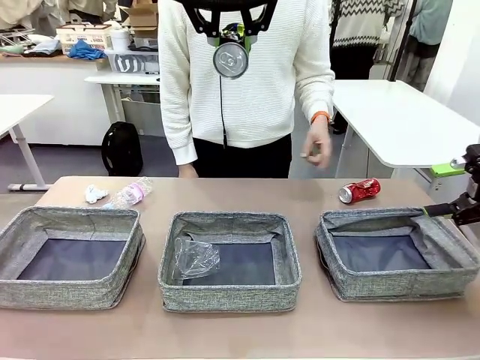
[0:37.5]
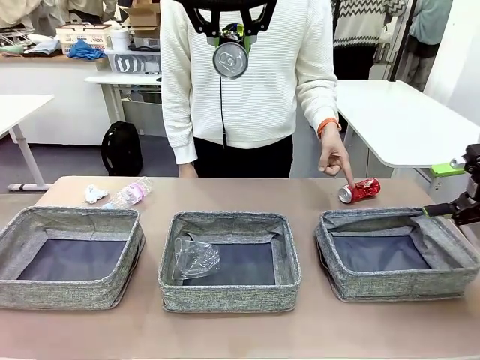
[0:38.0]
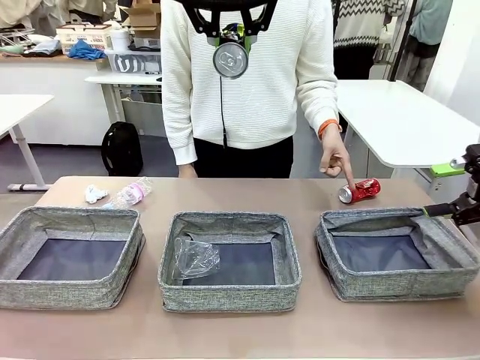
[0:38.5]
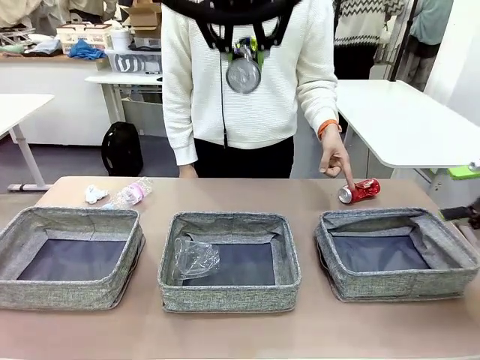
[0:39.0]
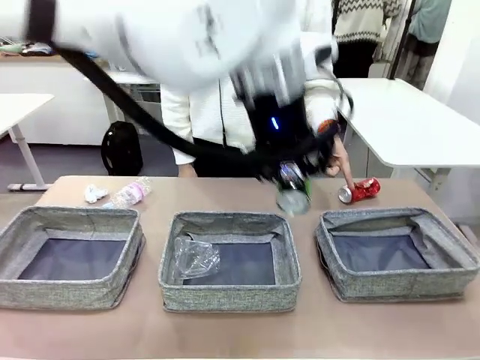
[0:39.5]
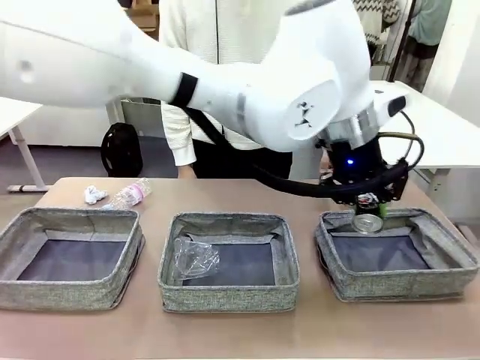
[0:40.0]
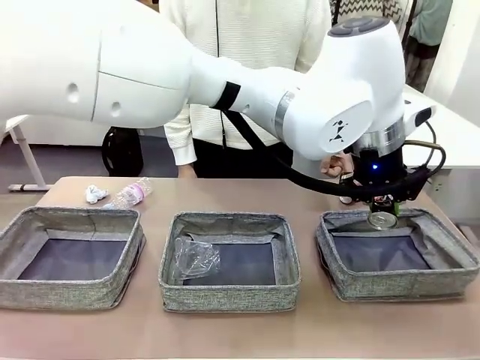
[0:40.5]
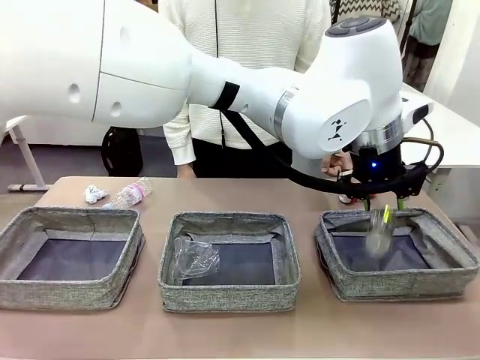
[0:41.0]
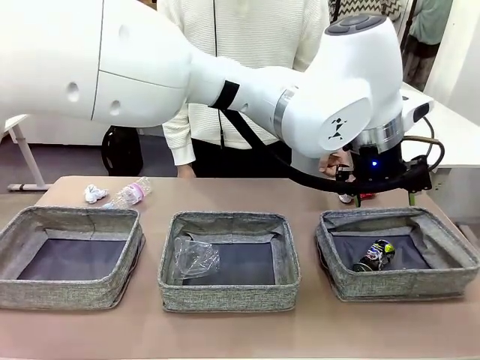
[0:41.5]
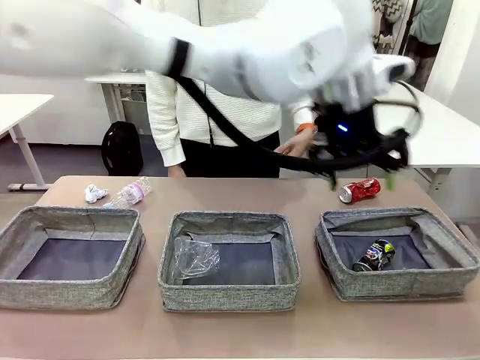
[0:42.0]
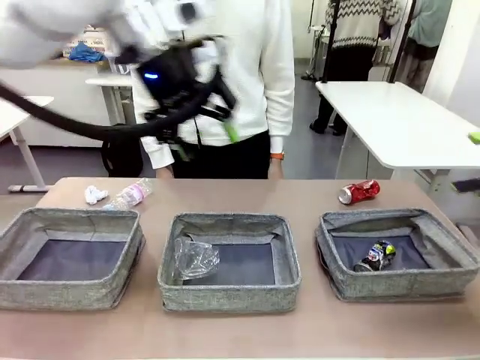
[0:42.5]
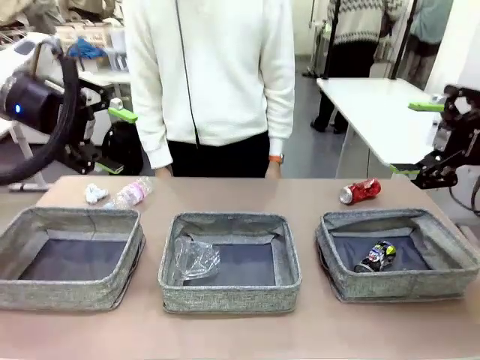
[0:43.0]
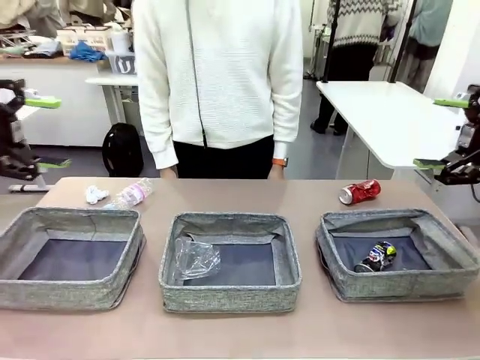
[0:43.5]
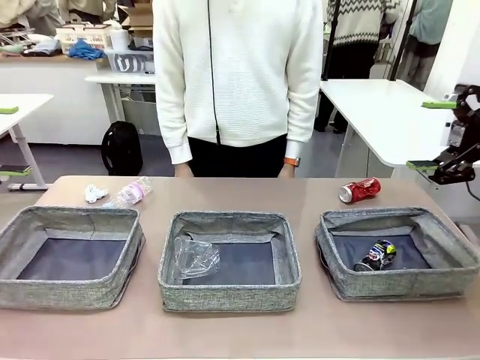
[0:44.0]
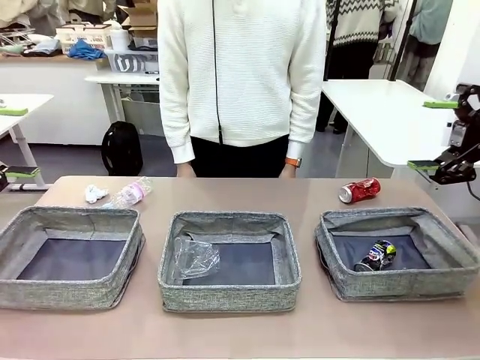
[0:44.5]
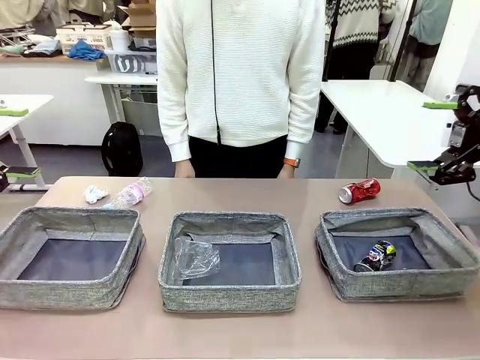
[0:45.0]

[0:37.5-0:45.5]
Task: Sort the waste into the appropriate baskets.
Robot: Place the picked waste into the Fabric basket indicated by the person.
Person: Instructs the robot to place the picked-up trash into the appropriate organizing basket.

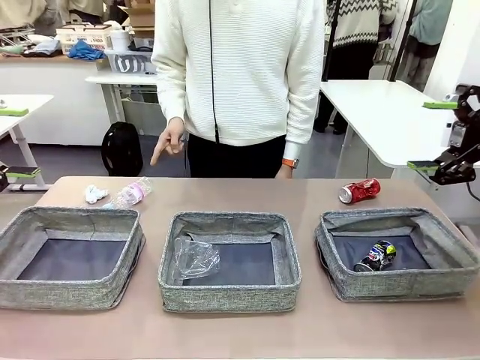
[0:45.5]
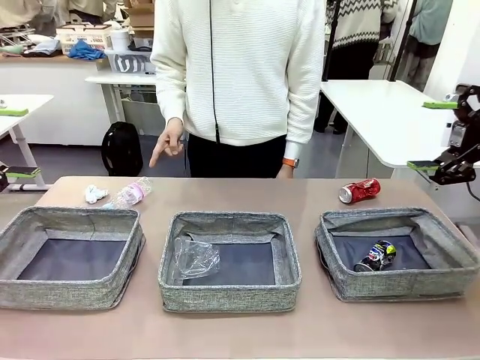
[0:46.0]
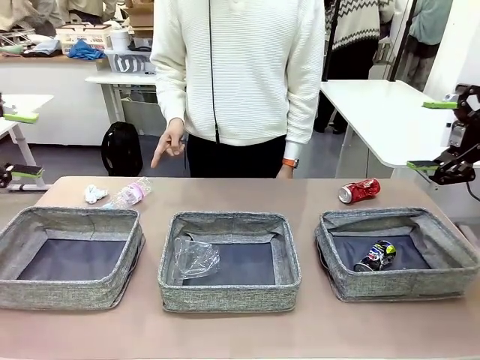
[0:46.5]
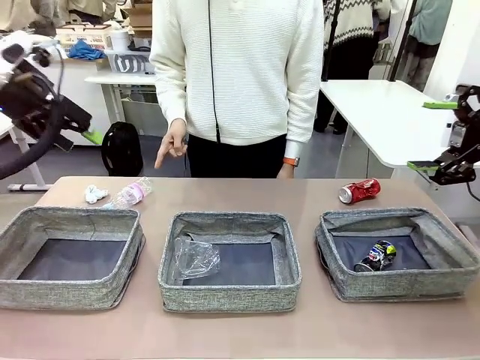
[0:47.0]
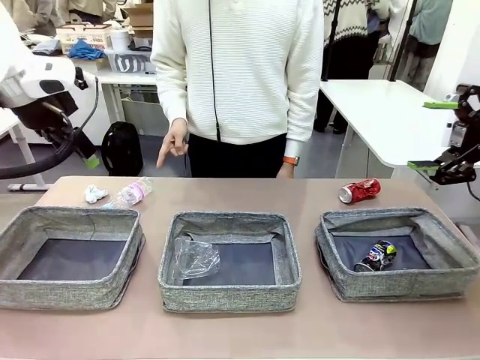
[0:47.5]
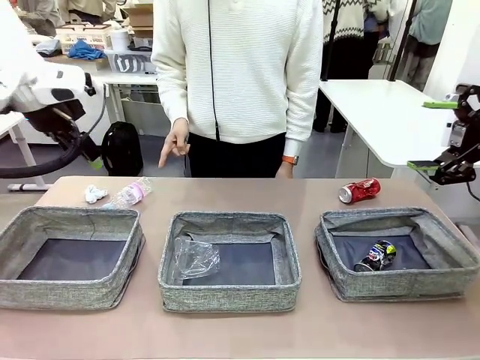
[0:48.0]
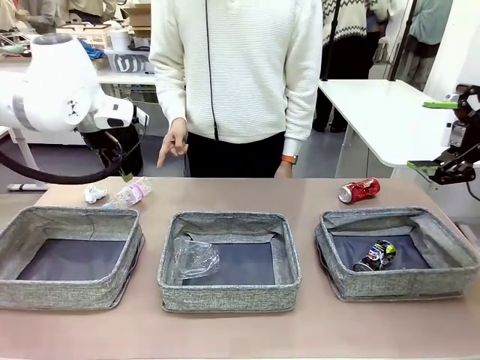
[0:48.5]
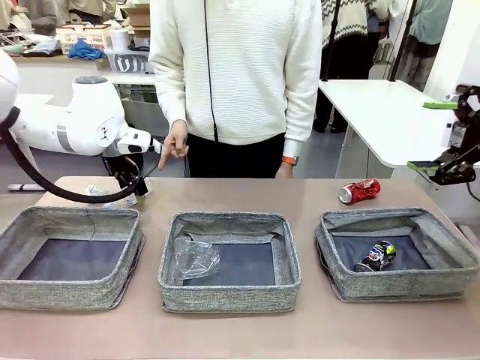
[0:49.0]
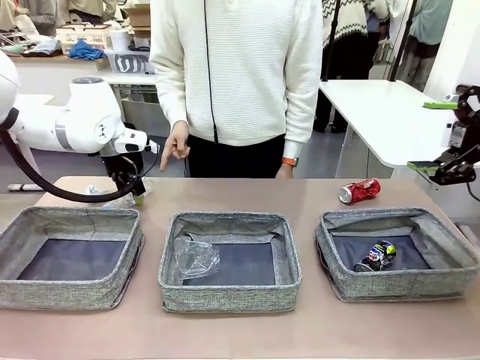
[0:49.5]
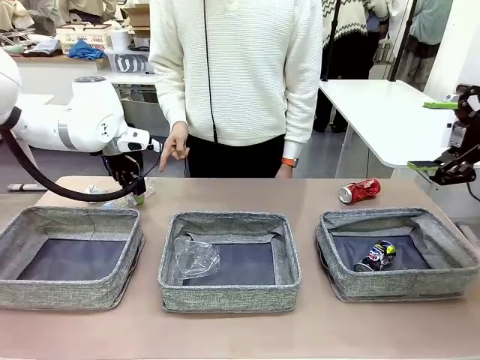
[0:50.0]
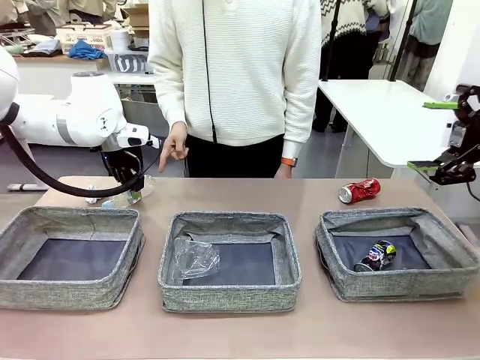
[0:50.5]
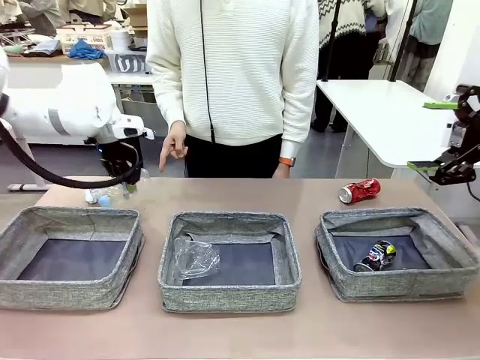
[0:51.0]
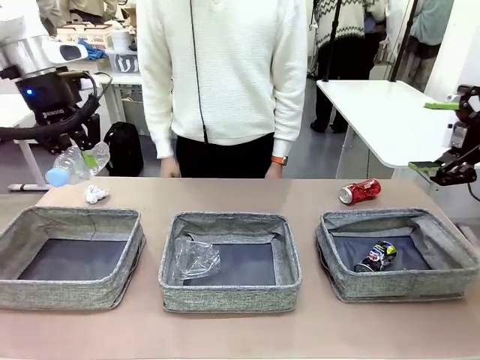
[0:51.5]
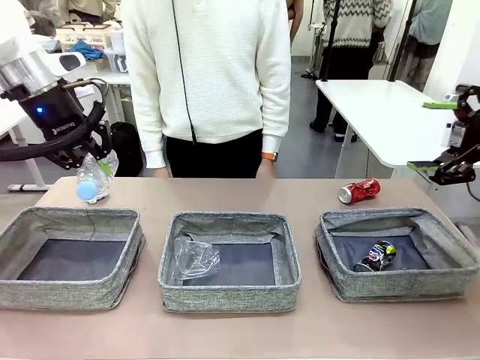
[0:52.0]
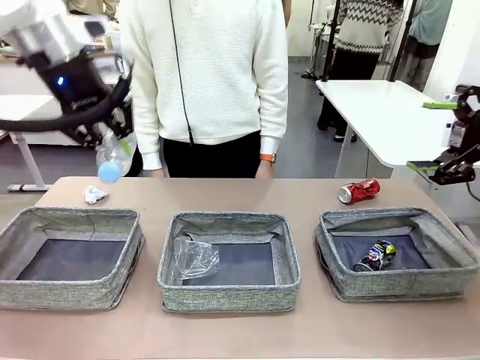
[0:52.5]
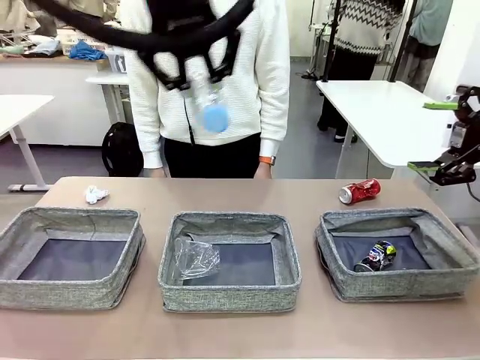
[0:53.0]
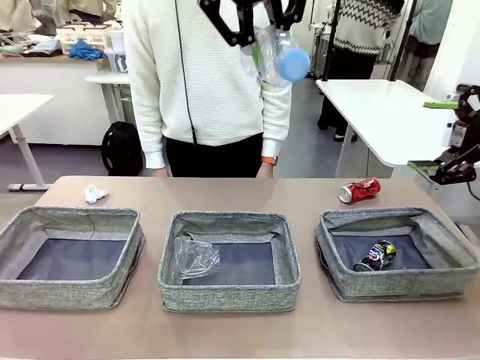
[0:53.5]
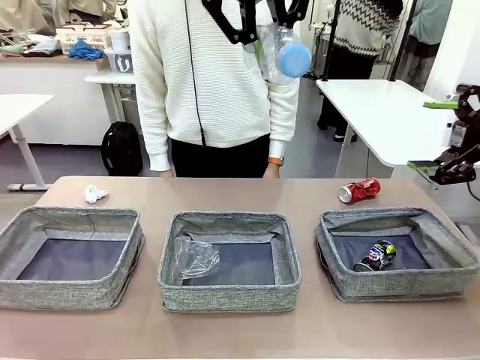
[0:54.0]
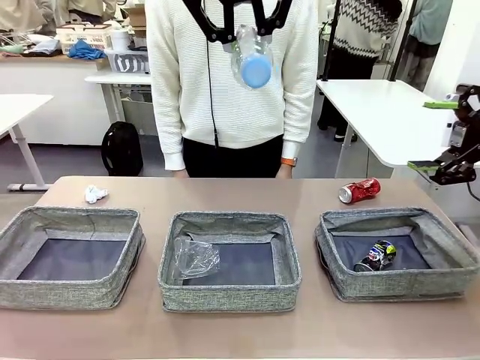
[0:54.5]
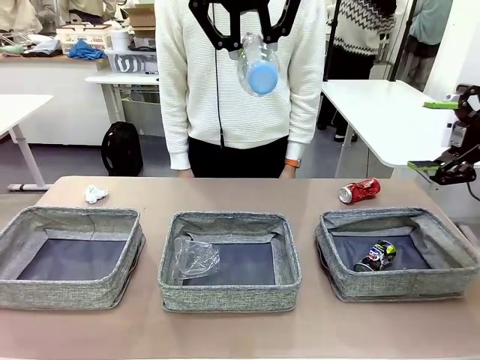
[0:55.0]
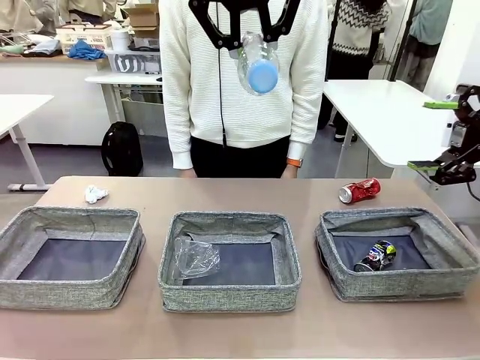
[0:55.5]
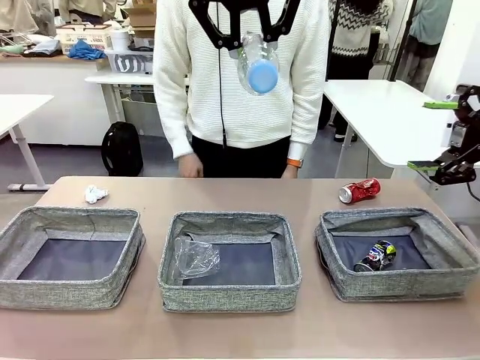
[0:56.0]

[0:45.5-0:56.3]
Robot: Pick up the waste item pointed out by the person.
Person: Points to one piece of trash on the table.

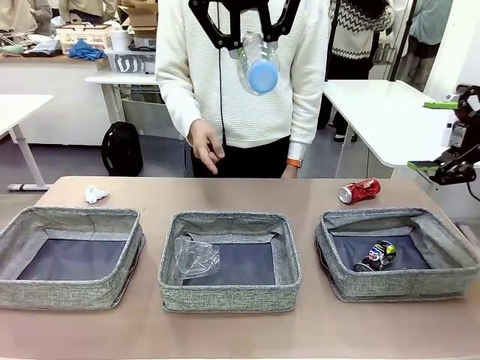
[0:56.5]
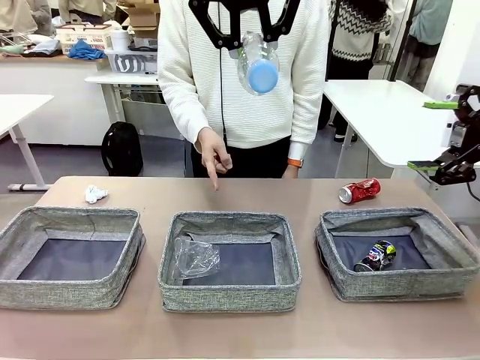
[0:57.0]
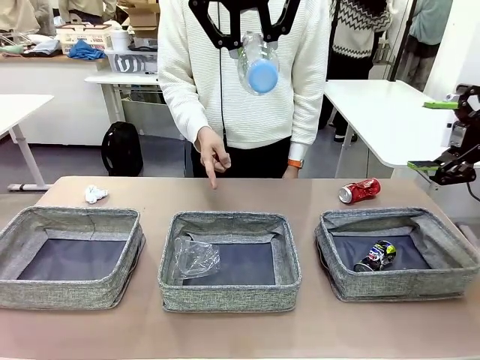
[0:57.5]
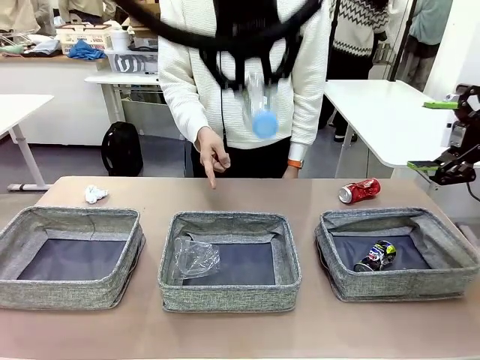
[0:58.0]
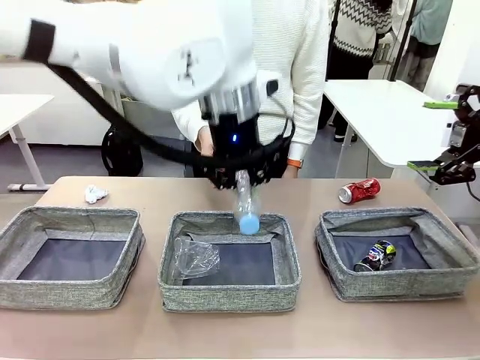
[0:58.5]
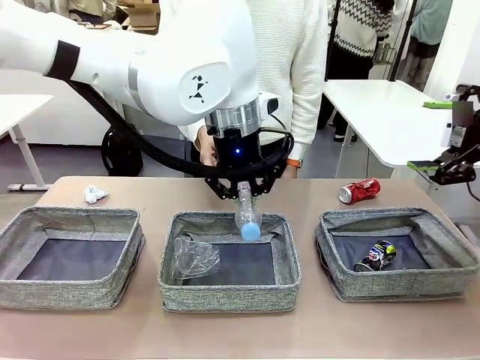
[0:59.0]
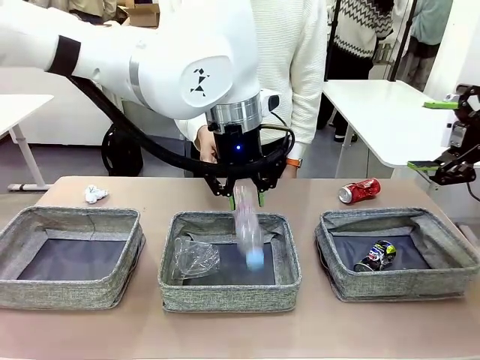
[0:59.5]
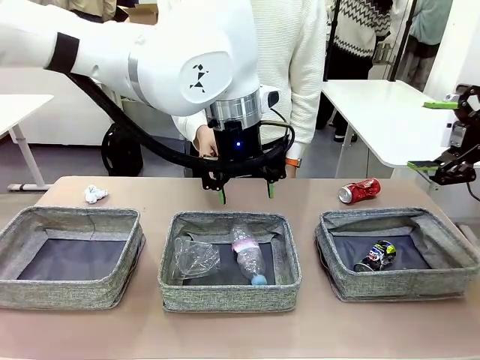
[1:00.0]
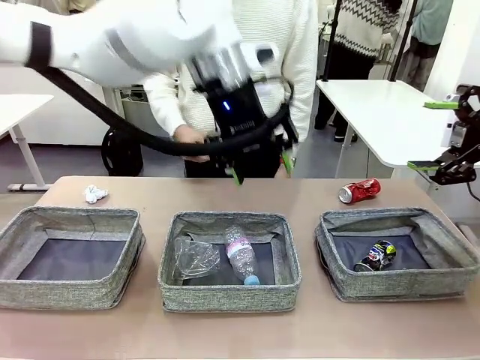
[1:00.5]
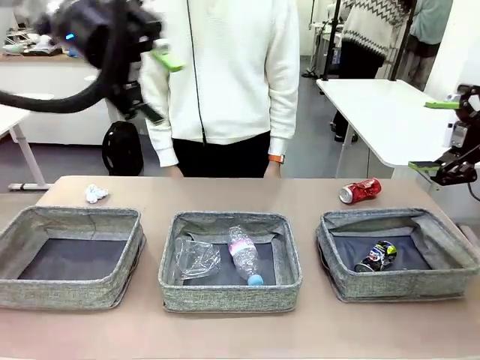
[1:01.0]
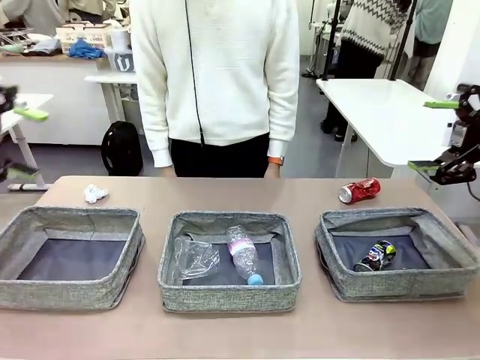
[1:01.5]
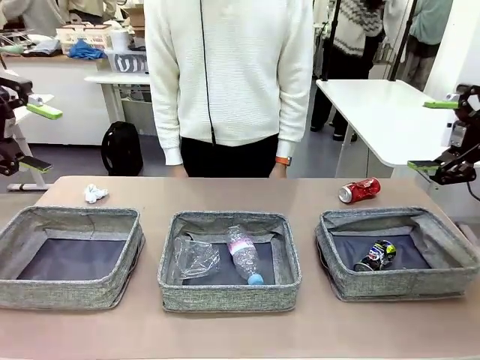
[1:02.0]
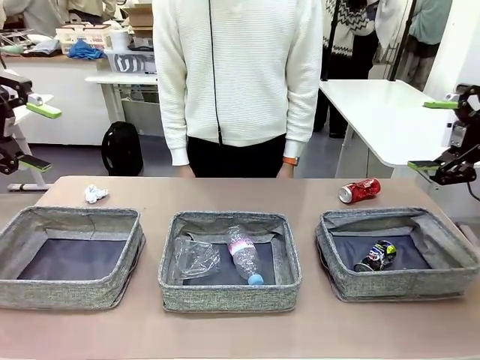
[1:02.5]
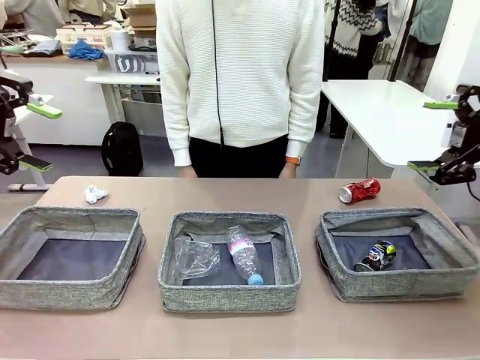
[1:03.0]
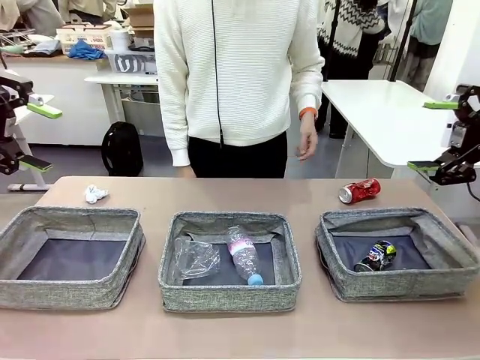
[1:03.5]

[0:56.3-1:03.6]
Robot: Place the picked waste into the Fabric basket indicated by the person.
Person: Instructs the robot to place the picked-up trash into the appropriate organizing basket.
